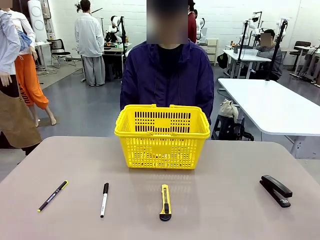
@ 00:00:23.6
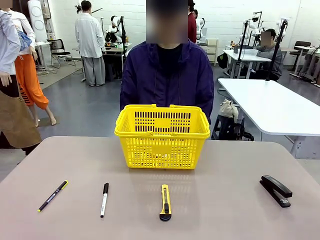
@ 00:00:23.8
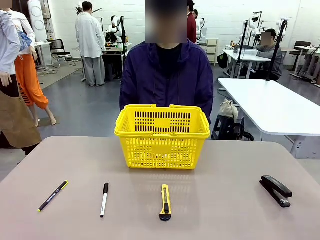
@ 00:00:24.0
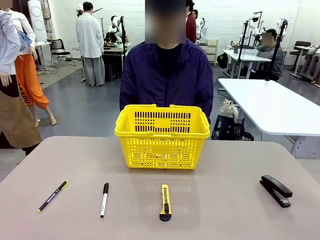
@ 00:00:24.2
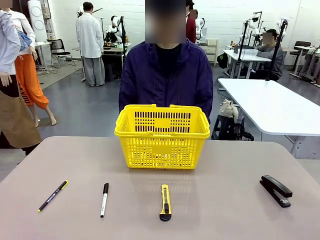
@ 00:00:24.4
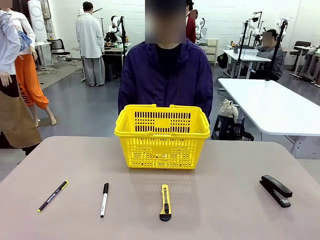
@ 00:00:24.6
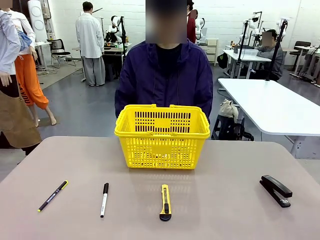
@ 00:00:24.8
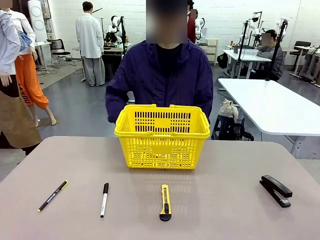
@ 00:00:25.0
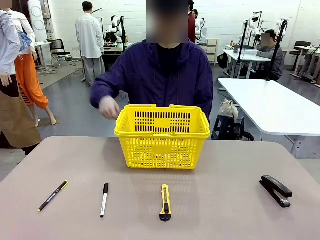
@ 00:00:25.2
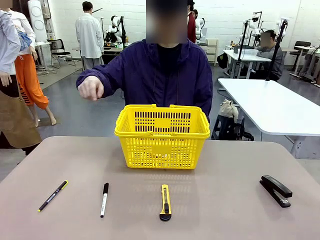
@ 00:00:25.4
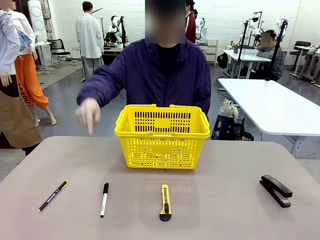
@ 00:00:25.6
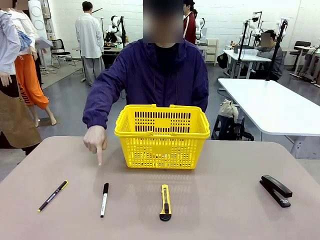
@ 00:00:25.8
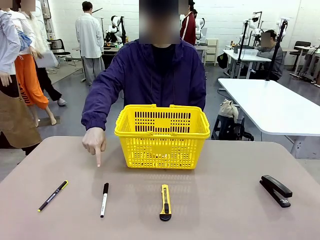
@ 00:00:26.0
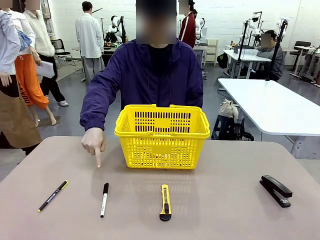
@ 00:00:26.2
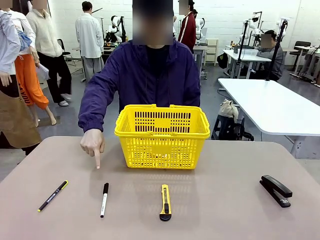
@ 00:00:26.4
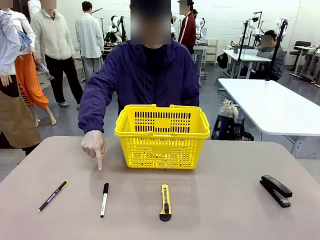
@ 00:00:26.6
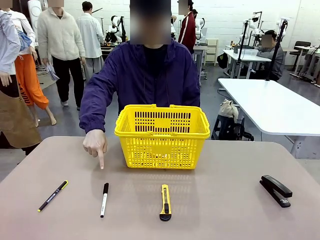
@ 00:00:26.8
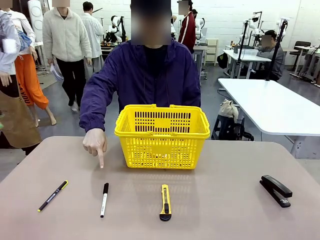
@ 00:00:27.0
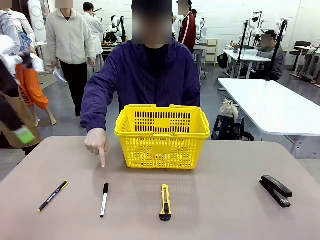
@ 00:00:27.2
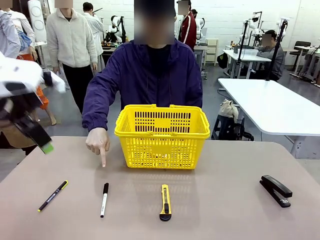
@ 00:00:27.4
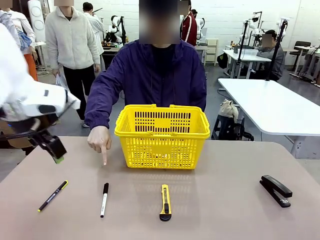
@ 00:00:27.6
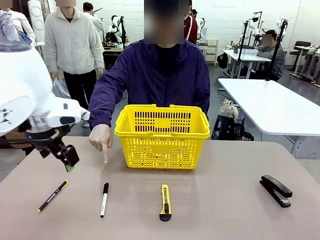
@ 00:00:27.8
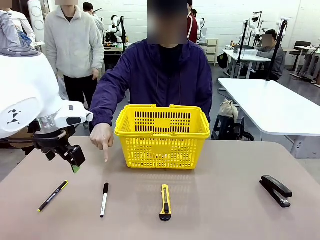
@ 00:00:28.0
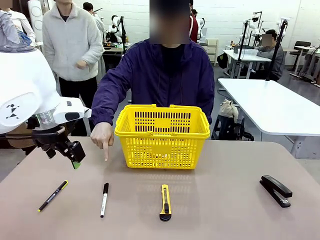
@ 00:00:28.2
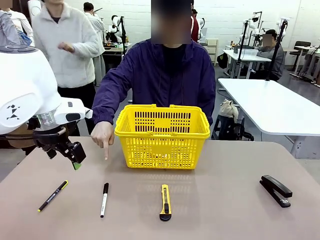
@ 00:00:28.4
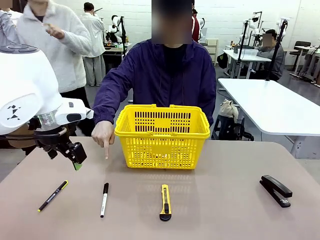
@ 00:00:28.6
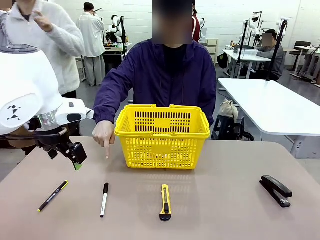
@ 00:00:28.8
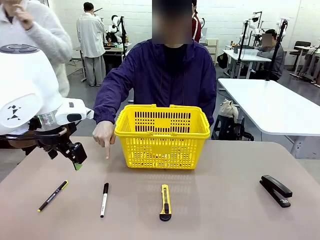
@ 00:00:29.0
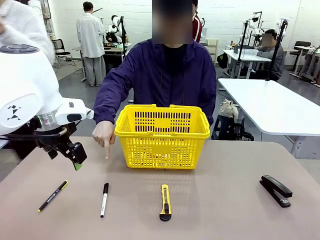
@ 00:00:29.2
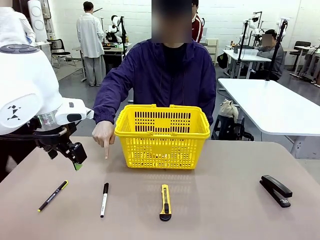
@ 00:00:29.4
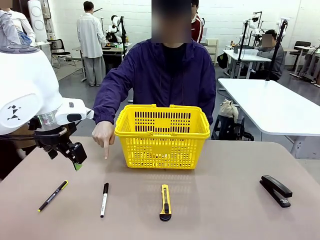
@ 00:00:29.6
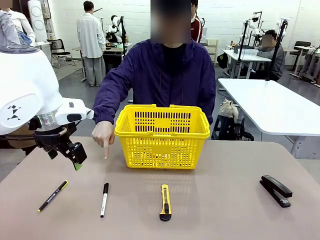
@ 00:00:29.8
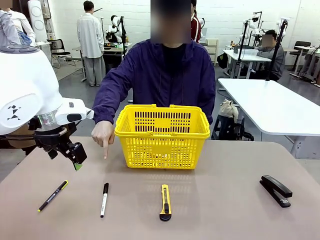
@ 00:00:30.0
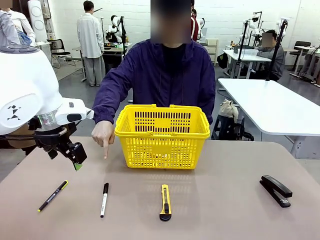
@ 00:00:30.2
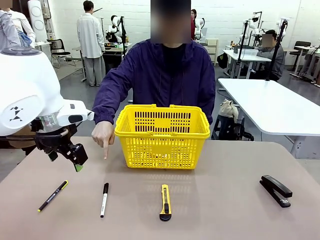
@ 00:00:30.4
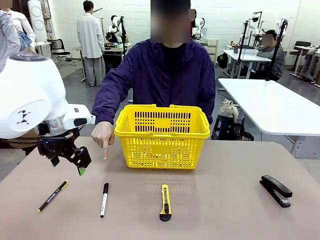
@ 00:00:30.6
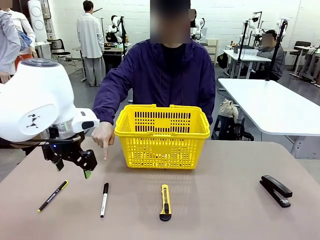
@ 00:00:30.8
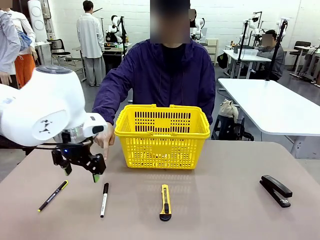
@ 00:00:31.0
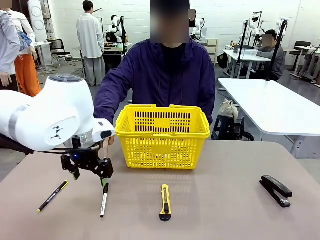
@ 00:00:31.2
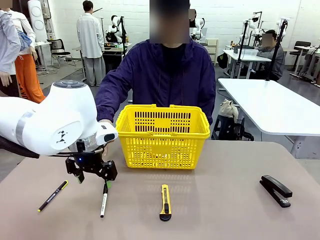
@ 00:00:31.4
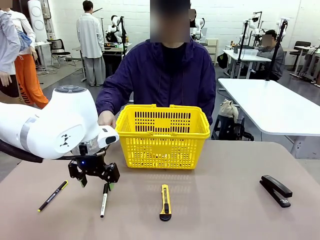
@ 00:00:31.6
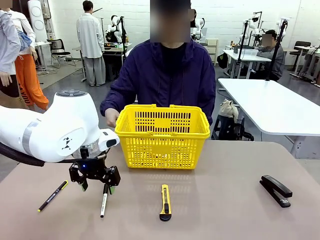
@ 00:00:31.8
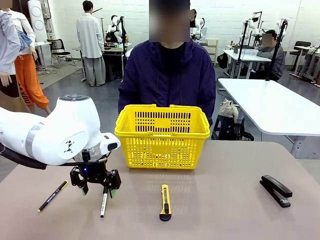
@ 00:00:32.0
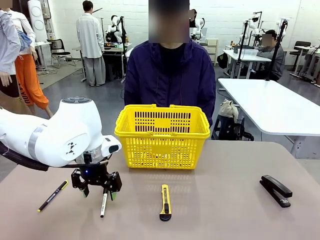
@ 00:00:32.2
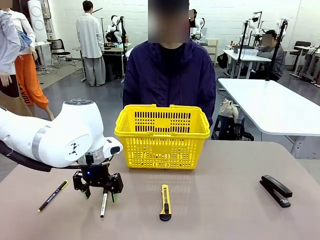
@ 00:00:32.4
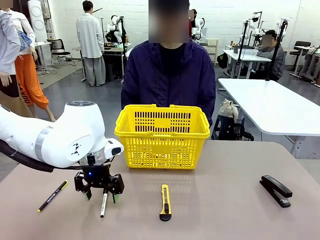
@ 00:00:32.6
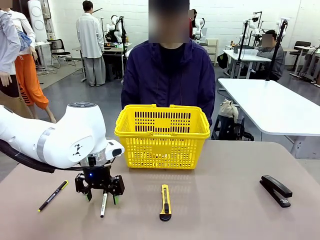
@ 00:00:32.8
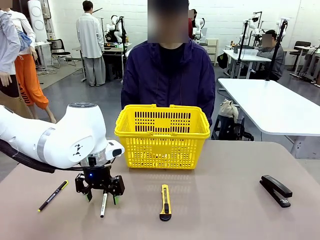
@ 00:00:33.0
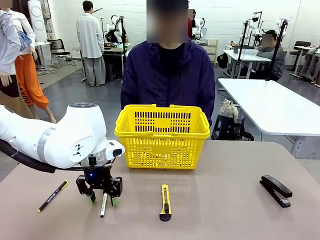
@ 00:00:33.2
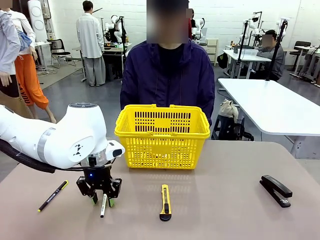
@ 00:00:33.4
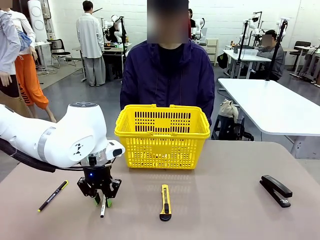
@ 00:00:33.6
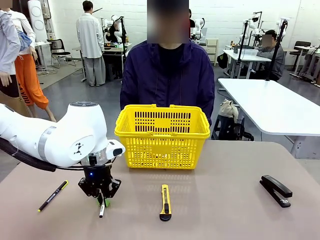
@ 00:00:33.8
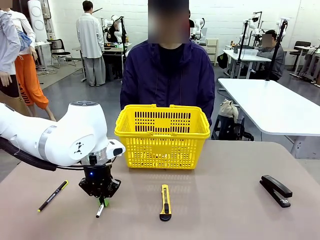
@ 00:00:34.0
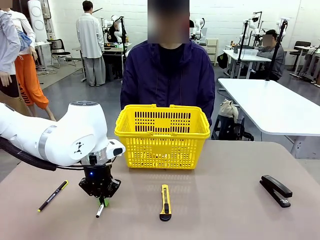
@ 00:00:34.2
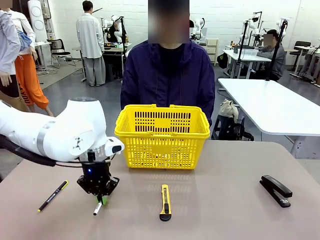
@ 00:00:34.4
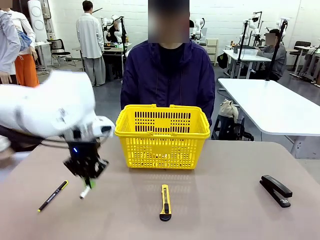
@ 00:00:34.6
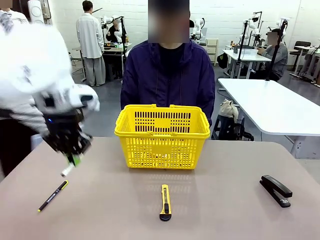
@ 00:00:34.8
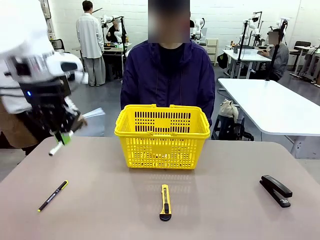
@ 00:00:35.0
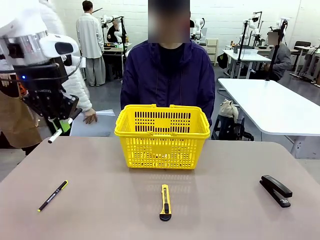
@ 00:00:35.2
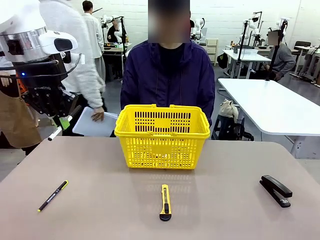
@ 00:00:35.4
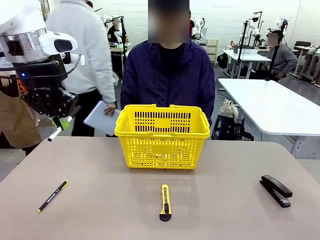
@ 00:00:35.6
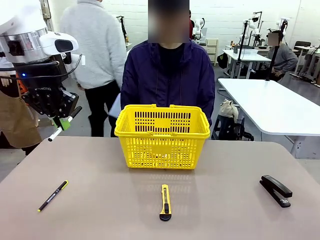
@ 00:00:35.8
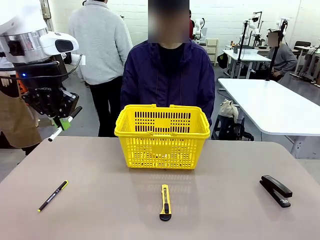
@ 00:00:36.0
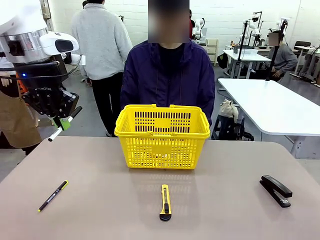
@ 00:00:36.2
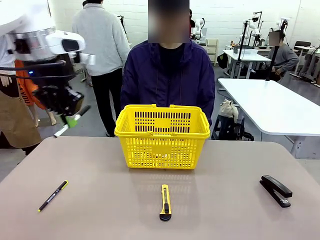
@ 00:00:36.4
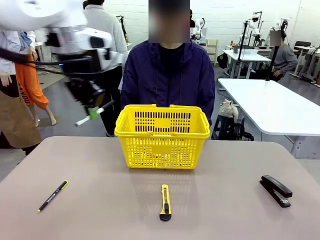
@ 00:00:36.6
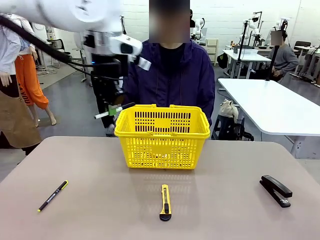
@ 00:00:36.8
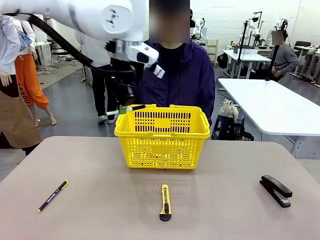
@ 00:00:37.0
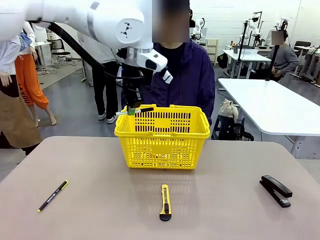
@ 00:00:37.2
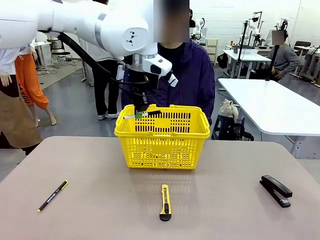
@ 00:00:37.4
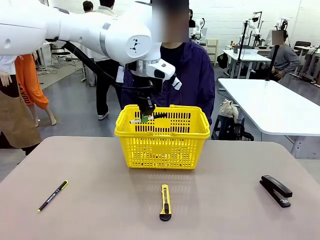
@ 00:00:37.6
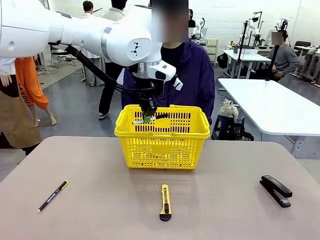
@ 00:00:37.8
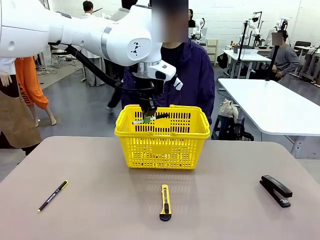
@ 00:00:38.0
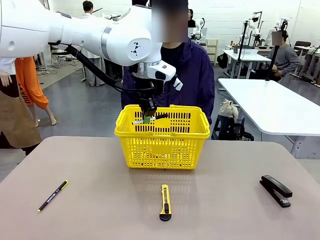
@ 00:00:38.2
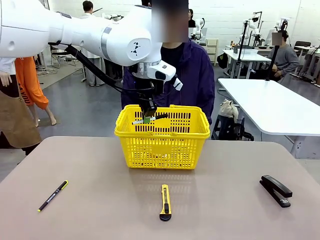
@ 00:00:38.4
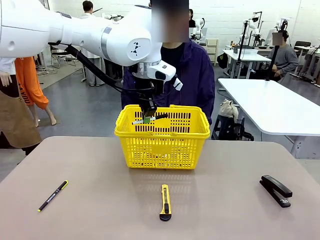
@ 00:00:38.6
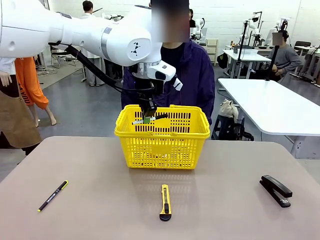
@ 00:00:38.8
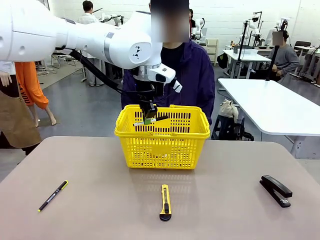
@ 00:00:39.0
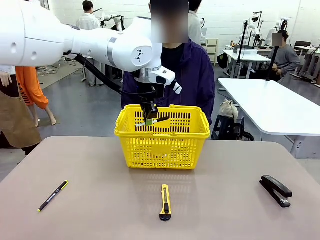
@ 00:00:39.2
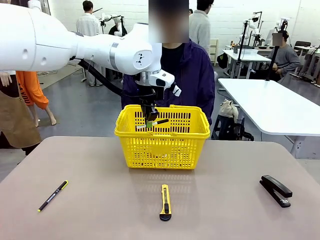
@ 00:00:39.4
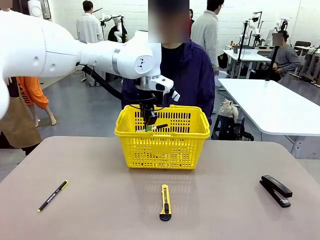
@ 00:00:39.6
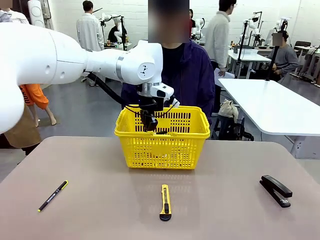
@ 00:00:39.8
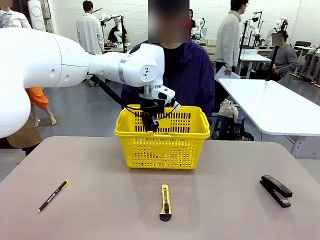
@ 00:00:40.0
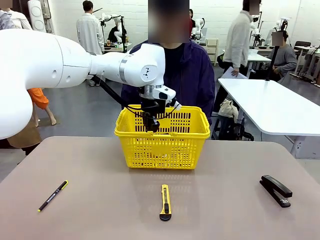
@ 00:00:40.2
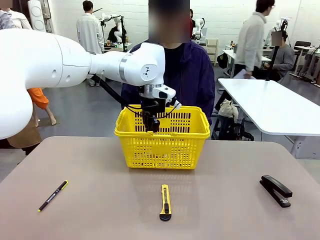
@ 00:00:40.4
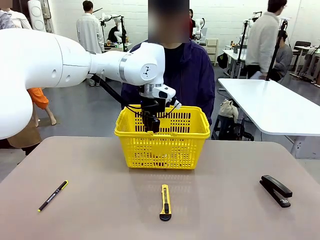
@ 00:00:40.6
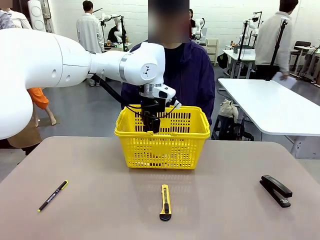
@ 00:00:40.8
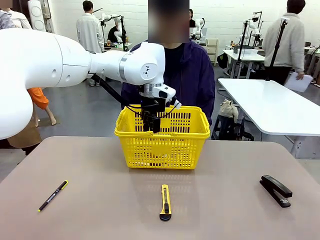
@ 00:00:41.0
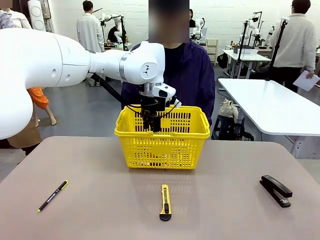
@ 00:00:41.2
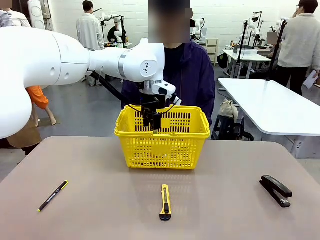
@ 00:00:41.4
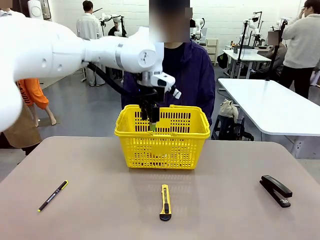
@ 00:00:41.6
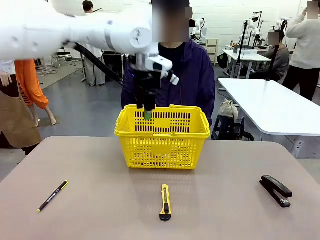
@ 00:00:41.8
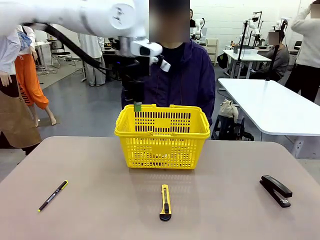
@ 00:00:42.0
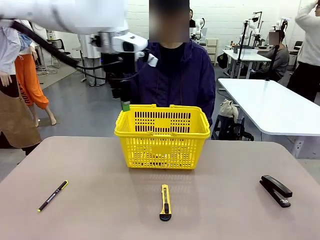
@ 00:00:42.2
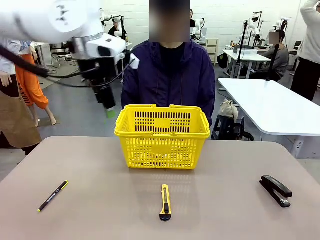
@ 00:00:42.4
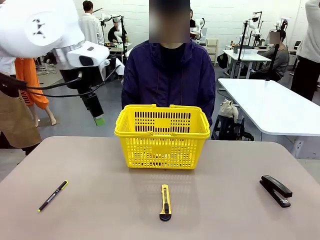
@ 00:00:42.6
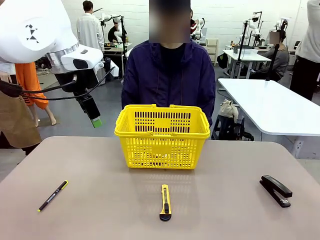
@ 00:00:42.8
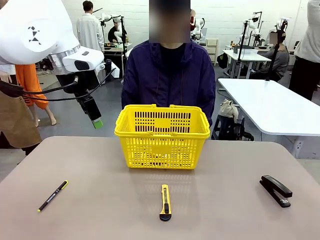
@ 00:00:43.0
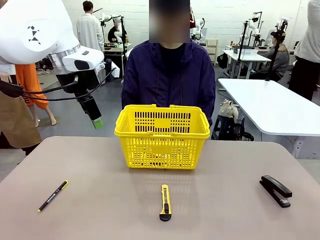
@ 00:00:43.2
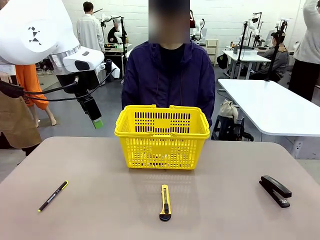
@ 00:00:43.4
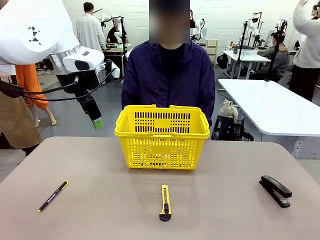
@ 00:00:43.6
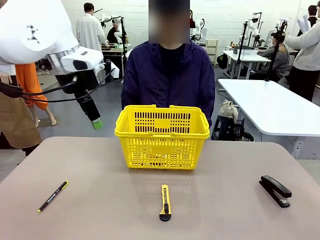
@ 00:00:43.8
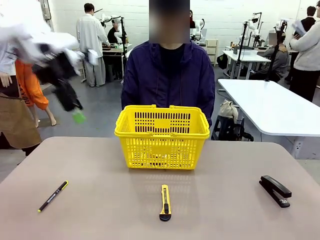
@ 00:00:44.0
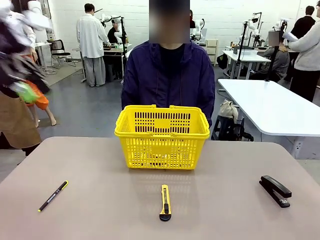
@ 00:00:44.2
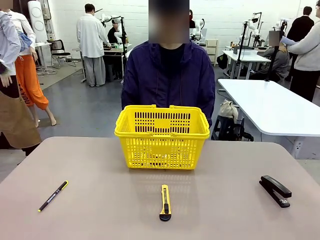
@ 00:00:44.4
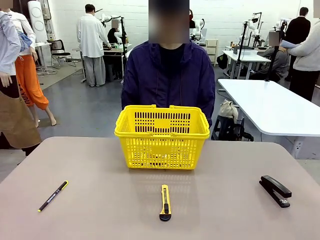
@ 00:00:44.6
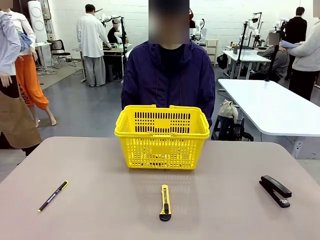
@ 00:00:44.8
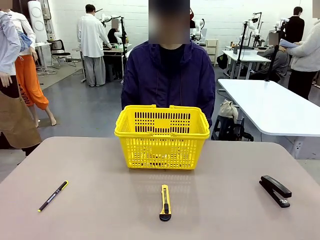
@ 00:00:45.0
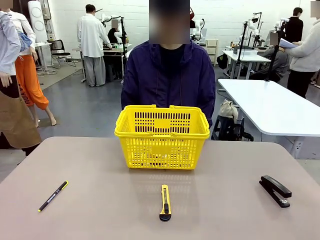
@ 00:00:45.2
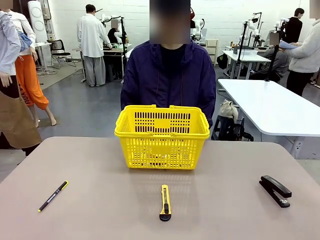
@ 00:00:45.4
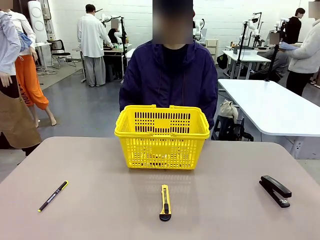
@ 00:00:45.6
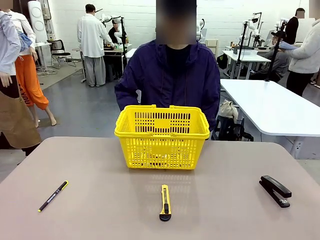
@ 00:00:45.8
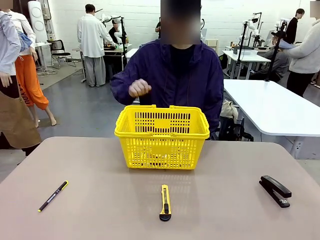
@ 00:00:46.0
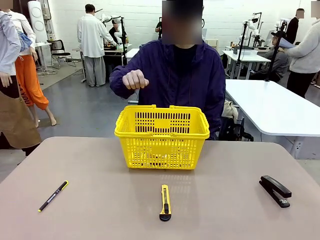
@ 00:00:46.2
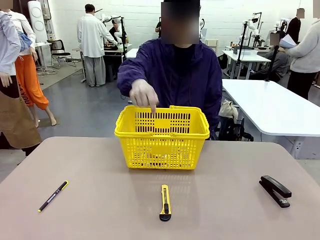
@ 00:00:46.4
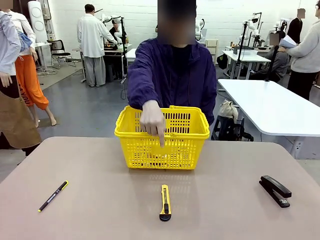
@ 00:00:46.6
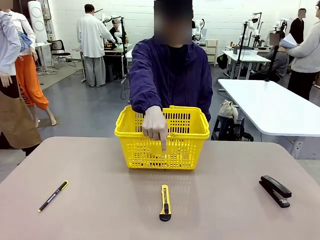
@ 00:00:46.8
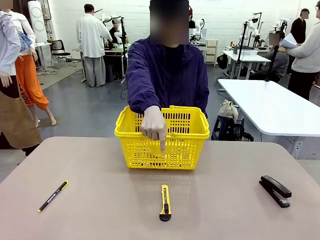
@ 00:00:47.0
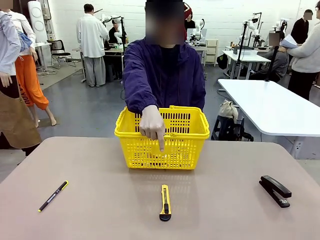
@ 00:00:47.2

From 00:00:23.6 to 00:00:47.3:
Task: Place the items the person wants into the basket.
Robot: Pick up the item the person points to and place it in the Market Basket.
